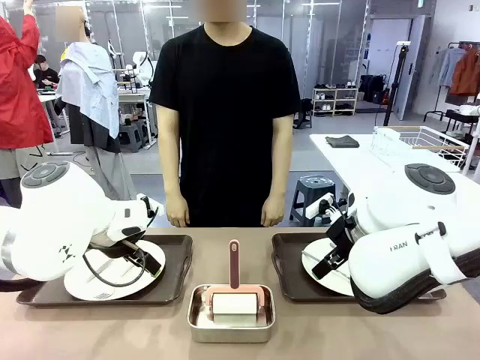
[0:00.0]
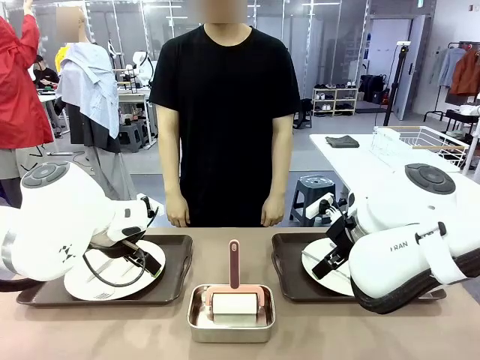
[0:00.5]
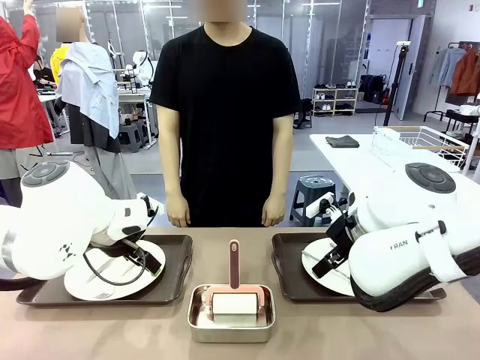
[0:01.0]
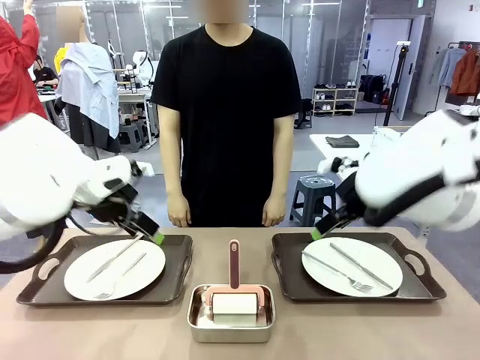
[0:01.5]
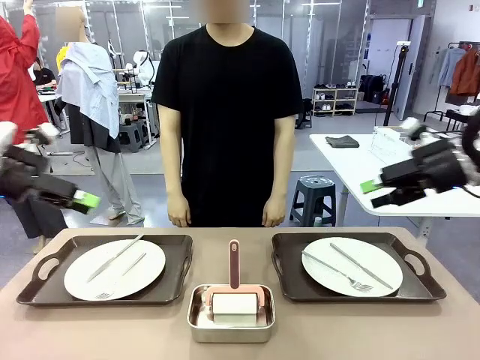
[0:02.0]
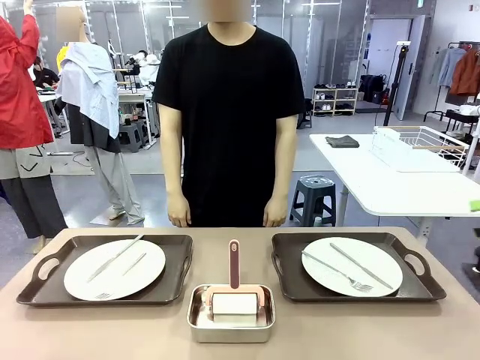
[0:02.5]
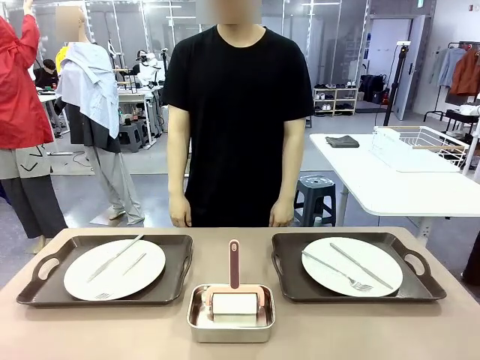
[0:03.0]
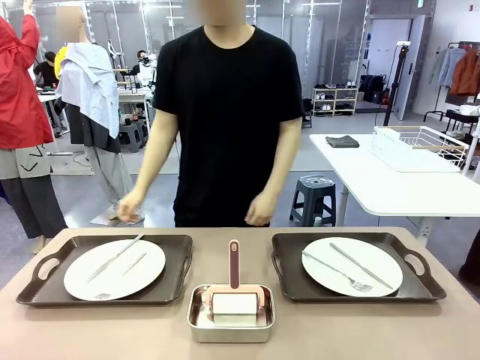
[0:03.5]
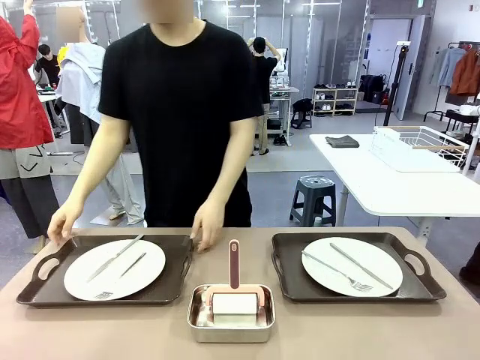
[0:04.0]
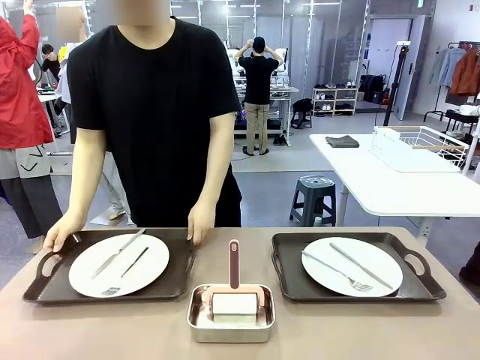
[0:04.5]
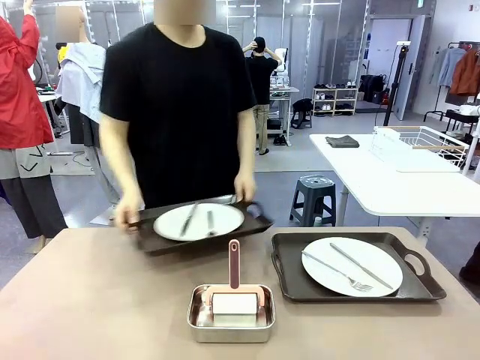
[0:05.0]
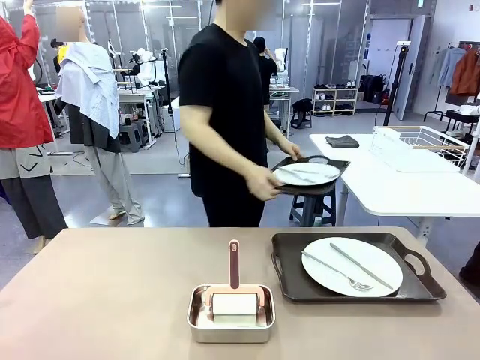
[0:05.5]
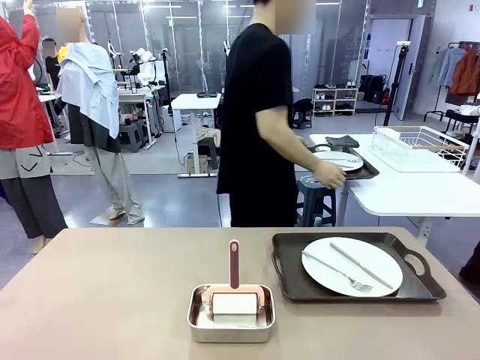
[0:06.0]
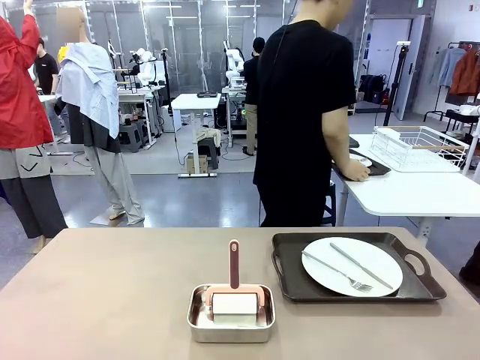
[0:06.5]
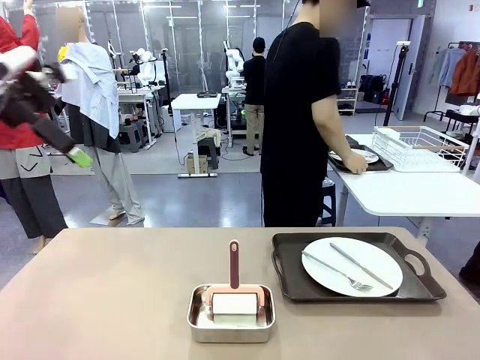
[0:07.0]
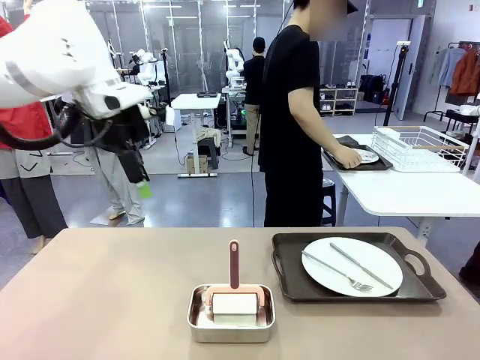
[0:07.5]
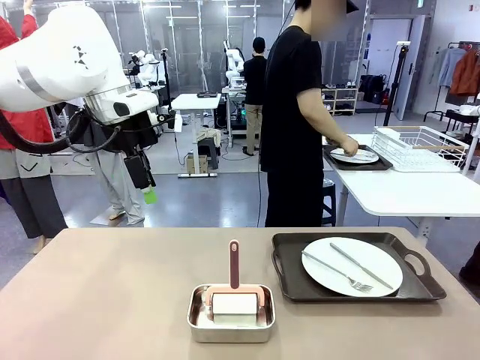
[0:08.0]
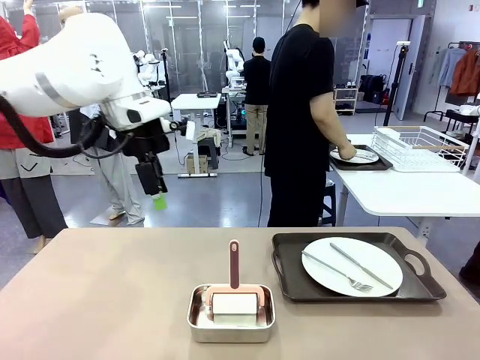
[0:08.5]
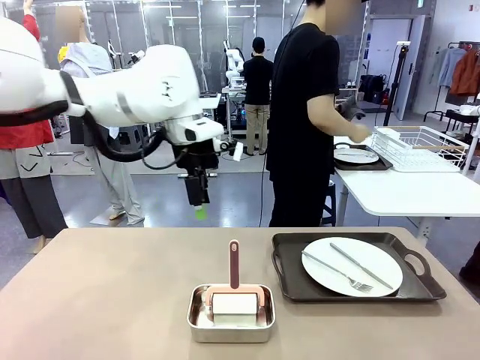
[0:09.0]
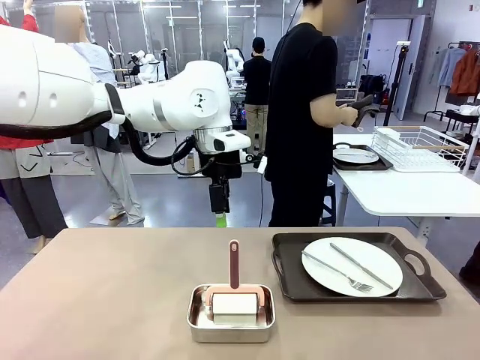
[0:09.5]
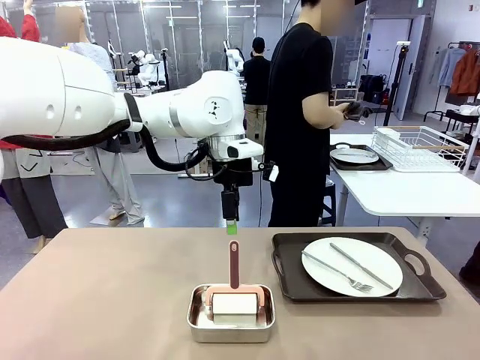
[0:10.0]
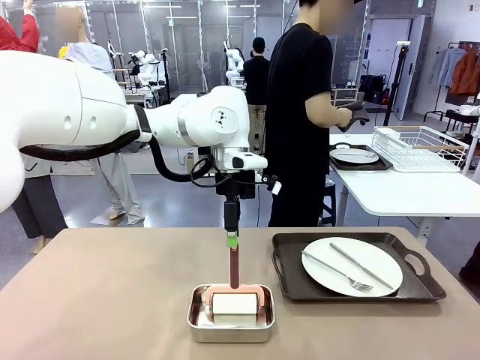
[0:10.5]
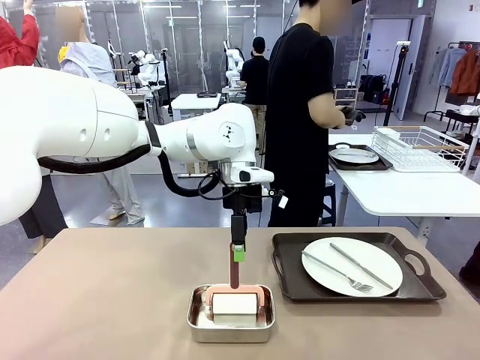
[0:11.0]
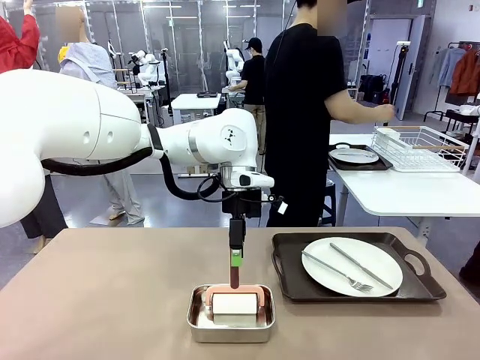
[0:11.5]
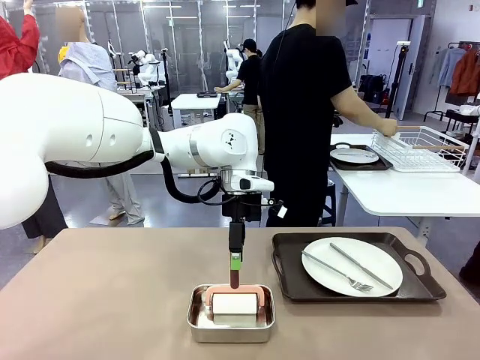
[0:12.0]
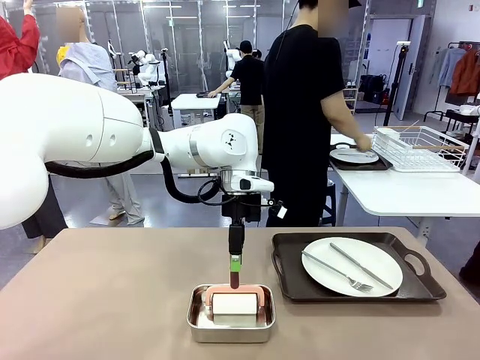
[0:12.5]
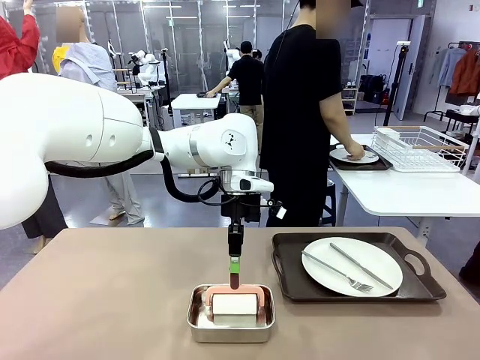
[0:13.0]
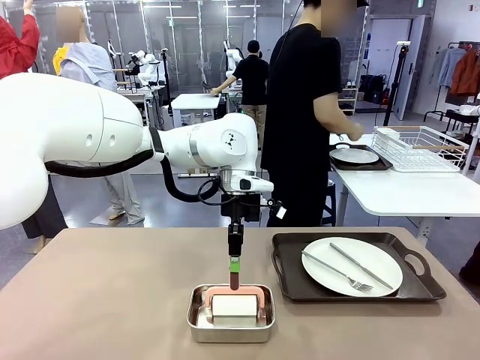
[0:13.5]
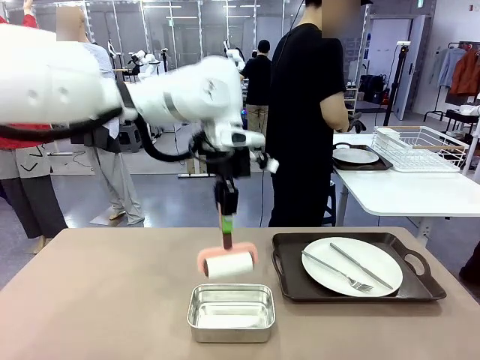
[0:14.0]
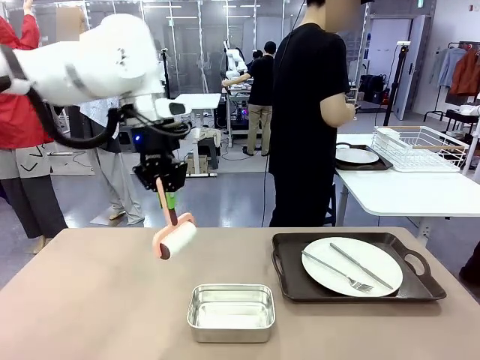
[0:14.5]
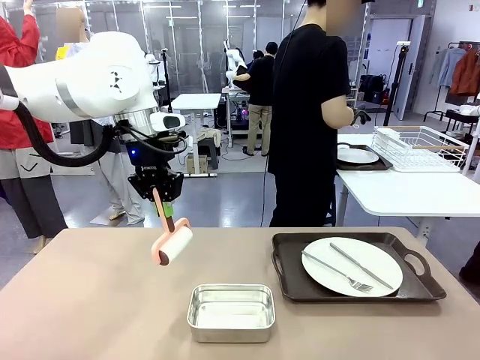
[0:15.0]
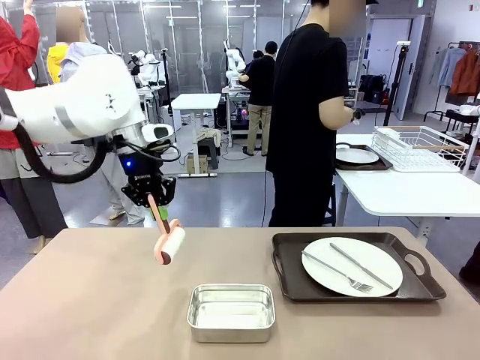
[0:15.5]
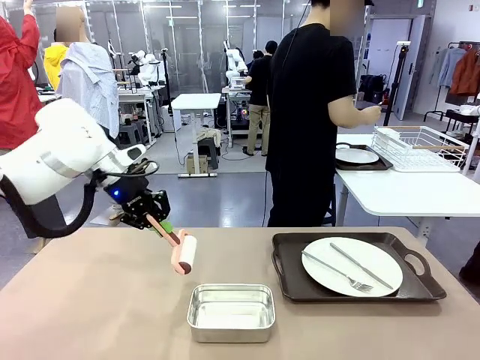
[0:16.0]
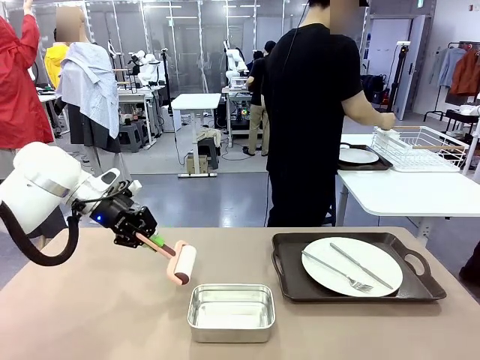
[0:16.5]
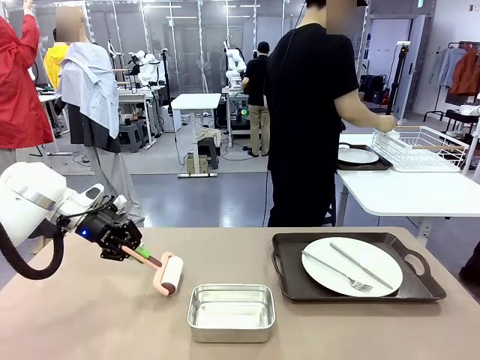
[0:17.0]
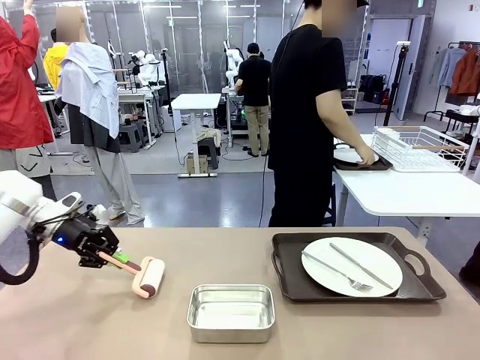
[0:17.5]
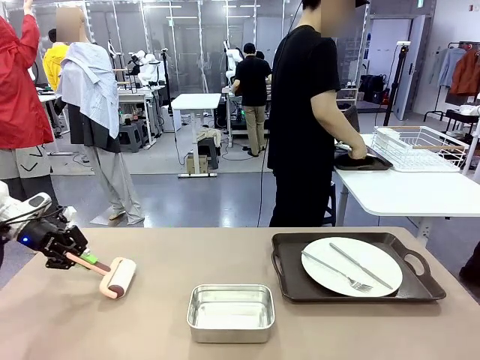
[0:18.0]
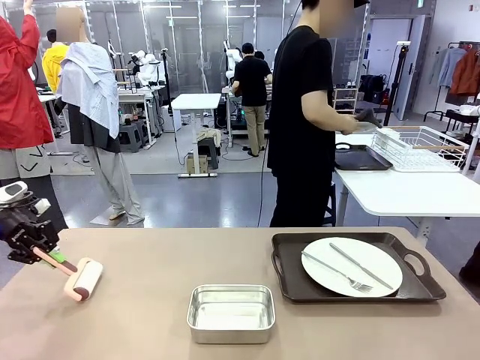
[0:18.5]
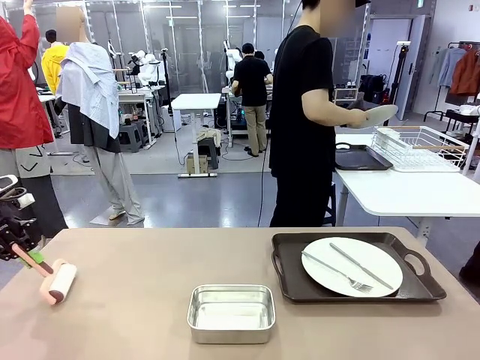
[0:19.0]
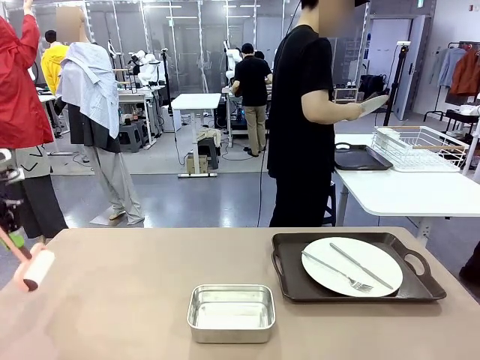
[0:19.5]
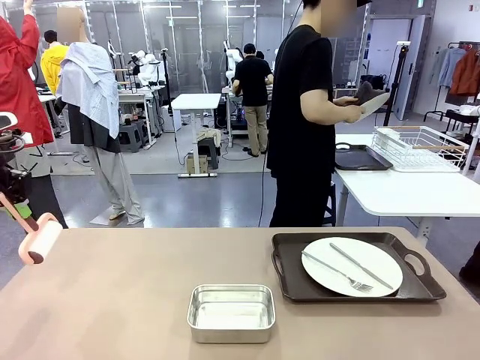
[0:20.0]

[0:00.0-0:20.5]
Robot: When the left (or right) Handle tray is removed, use the left hand (or right hand) to clean the left (or right) side of the table with the Lint Roller.
Person: Pick up the left (or right) Handle tray and place it on the middle of the Human's table. Use the Towel with hook to wipe the Plastic Matte Plate , Fork , and Knife and place into the Dish drying rack.

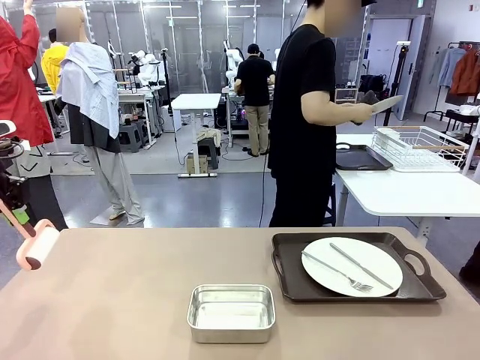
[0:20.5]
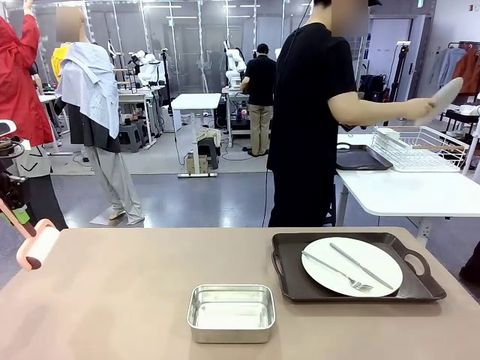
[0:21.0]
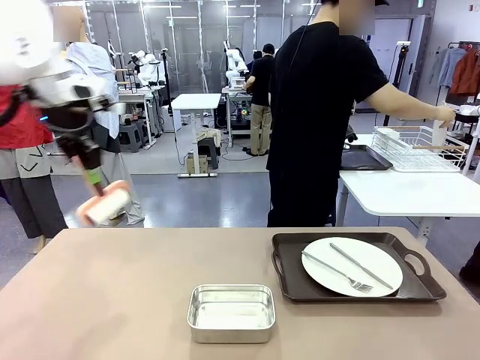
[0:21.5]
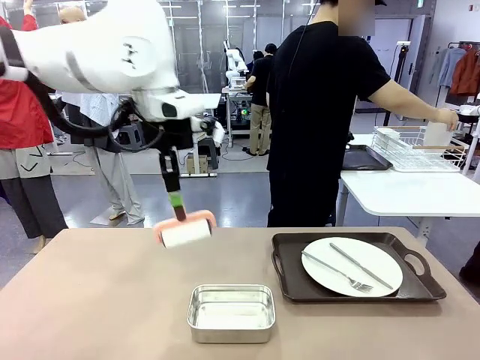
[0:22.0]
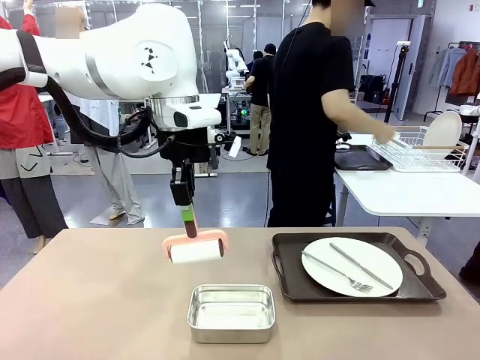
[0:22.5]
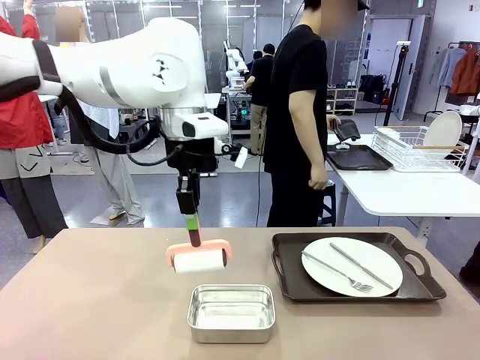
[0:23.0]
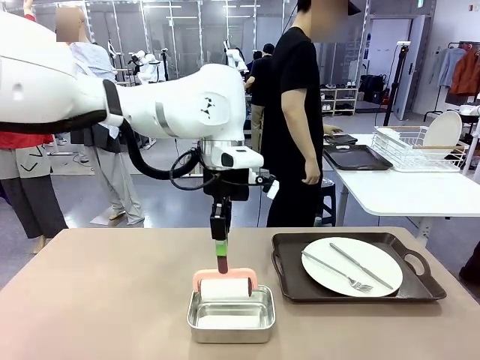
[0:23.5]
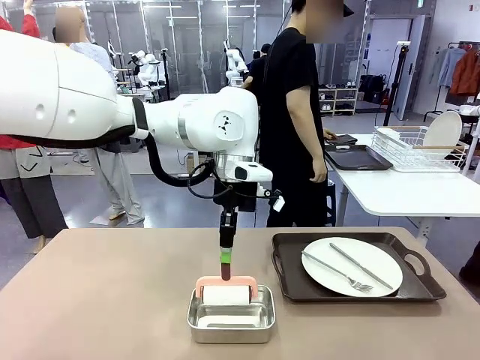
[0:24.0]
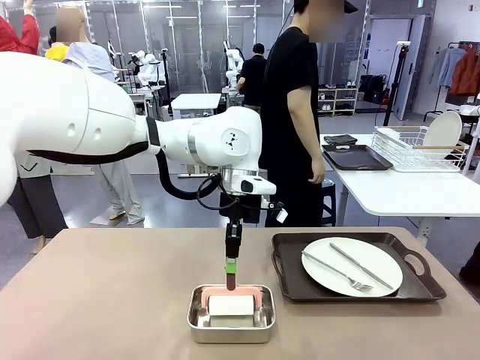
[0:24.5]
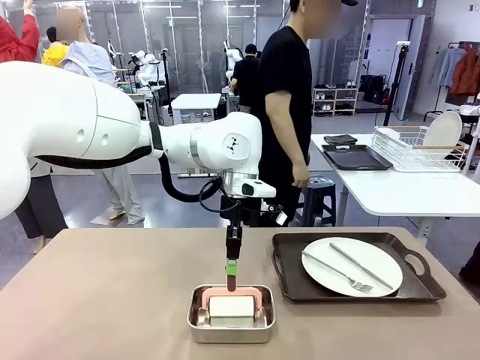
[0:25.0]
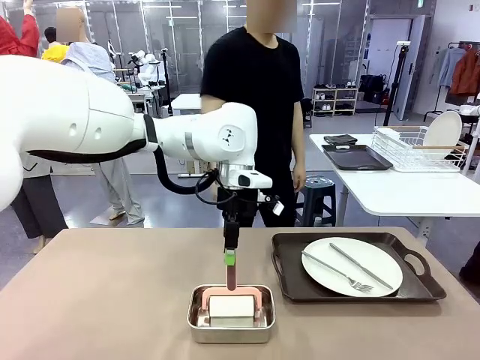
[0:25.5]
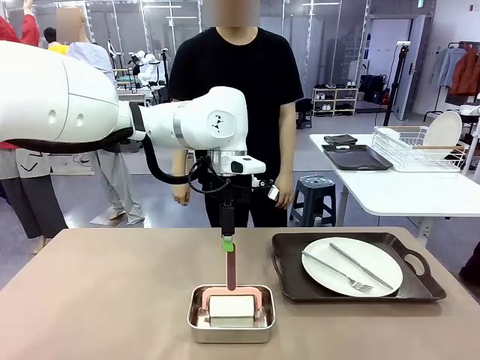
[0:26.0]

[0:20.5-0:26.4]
Robot: Place the Lint Roller back on top of the Airtight Container.
